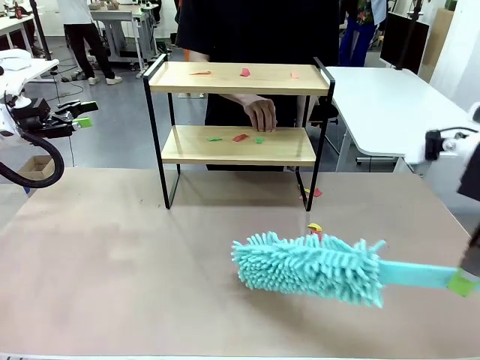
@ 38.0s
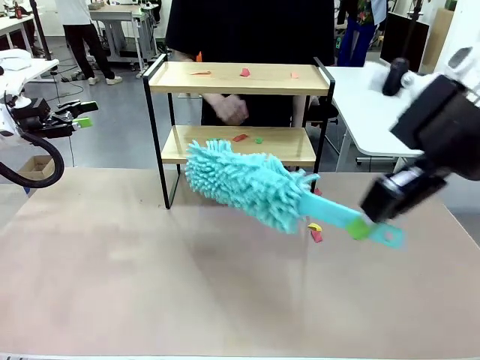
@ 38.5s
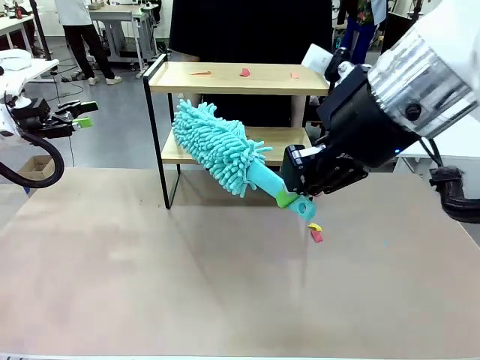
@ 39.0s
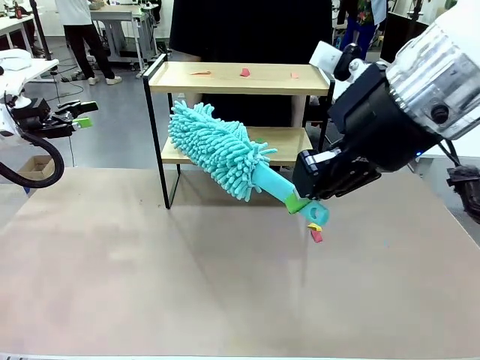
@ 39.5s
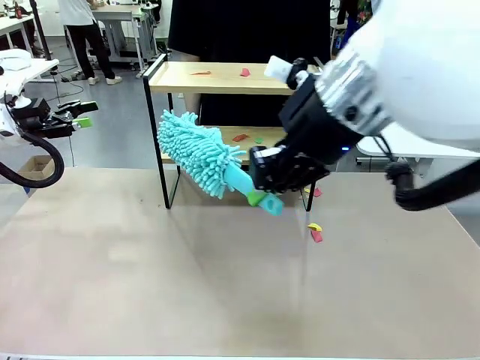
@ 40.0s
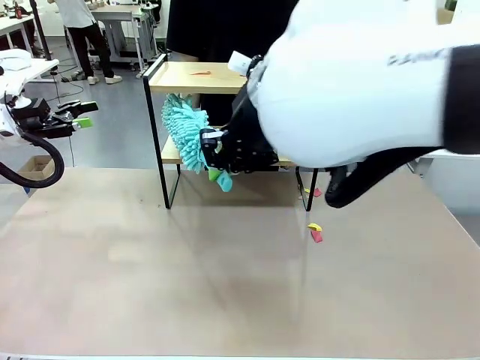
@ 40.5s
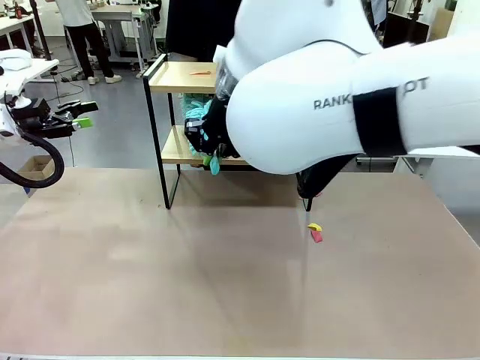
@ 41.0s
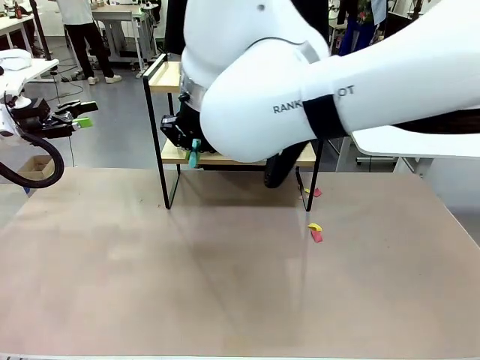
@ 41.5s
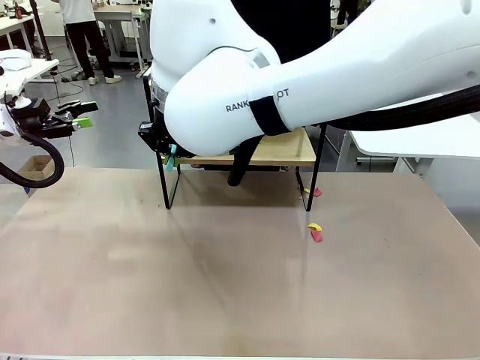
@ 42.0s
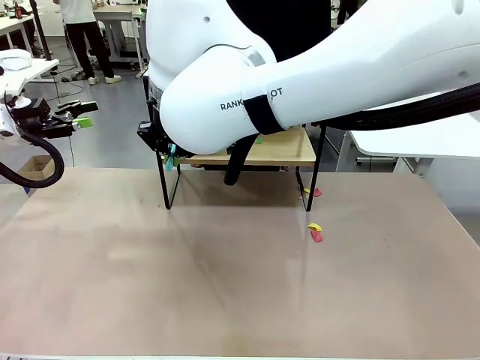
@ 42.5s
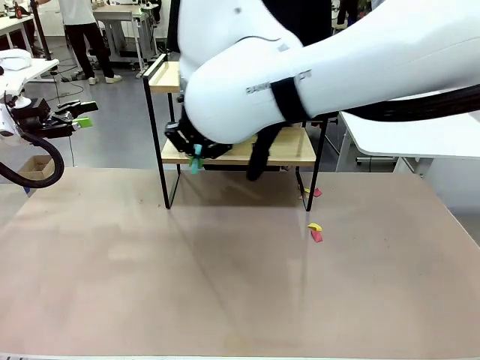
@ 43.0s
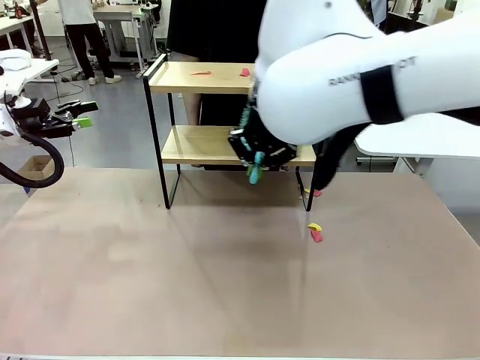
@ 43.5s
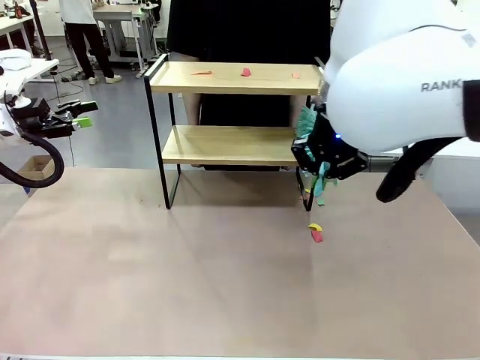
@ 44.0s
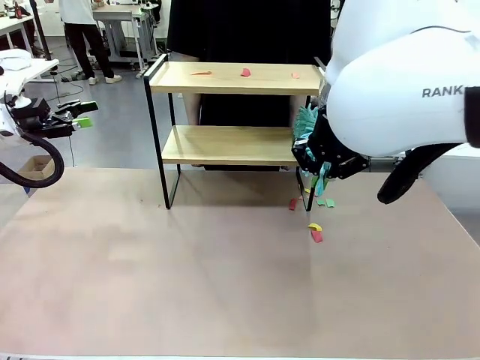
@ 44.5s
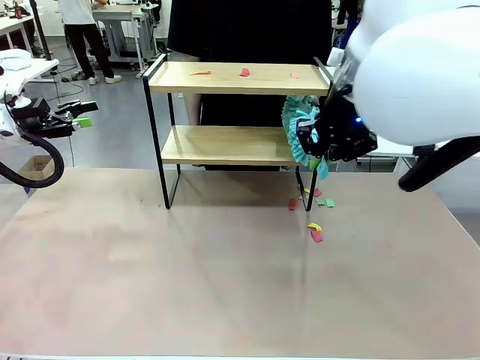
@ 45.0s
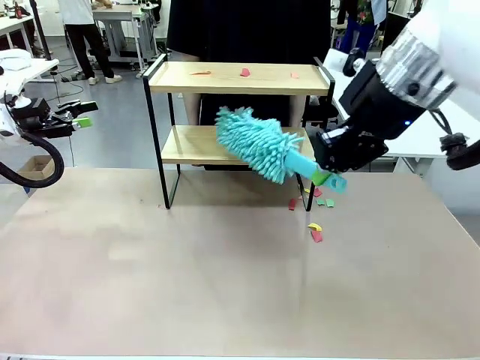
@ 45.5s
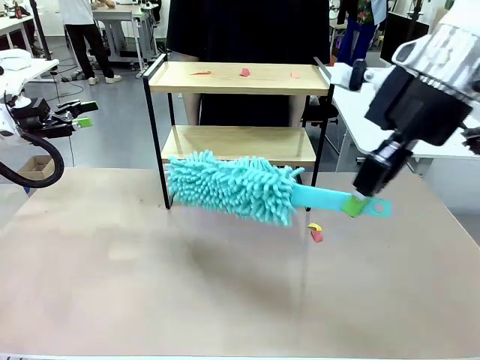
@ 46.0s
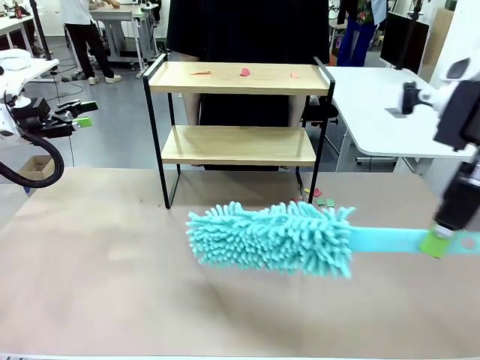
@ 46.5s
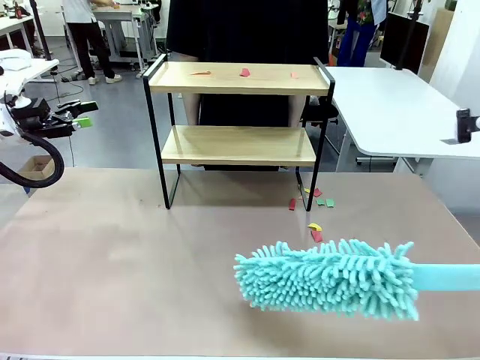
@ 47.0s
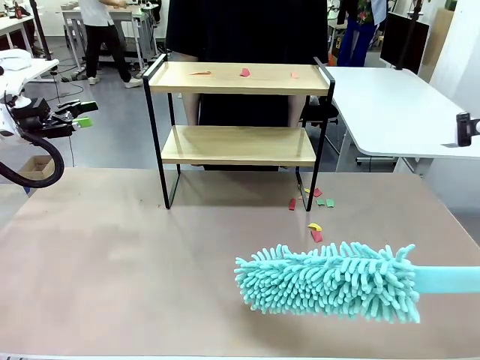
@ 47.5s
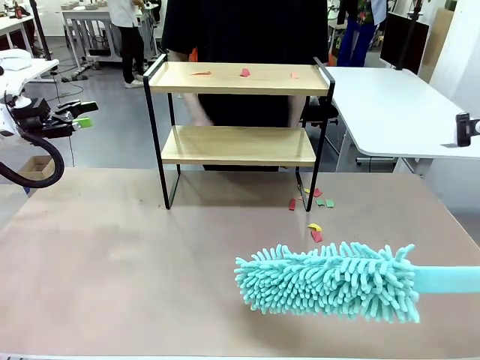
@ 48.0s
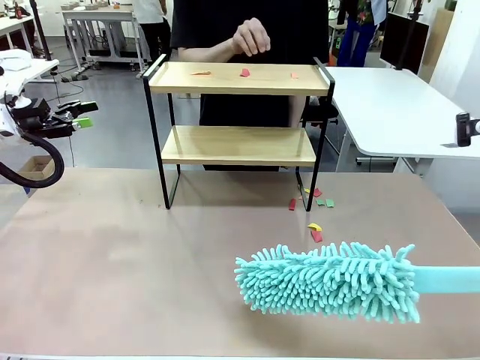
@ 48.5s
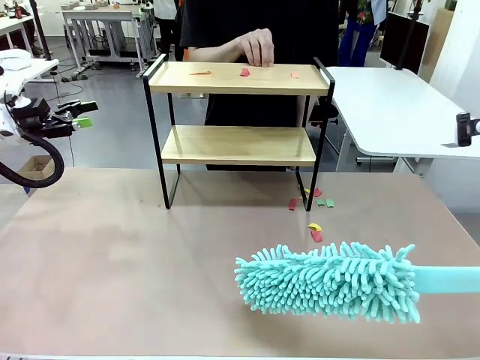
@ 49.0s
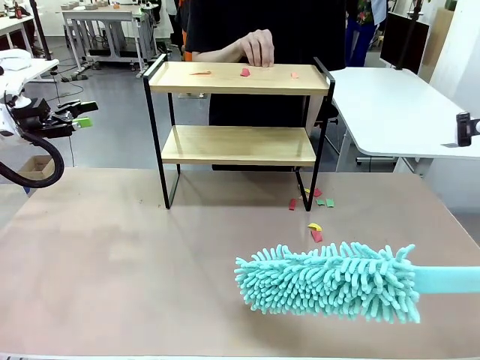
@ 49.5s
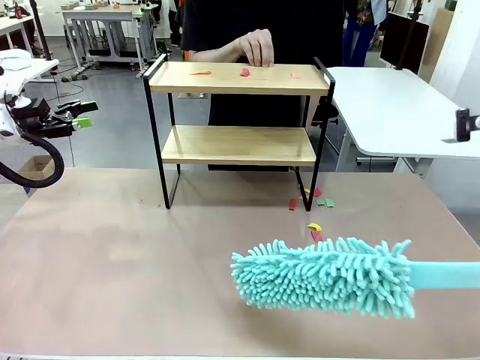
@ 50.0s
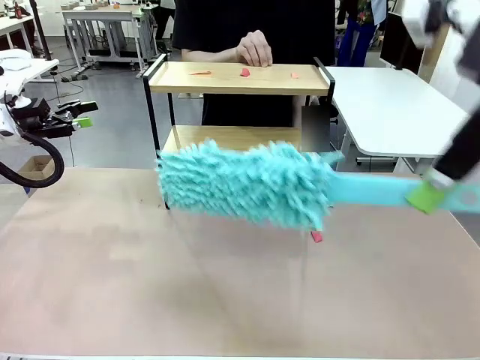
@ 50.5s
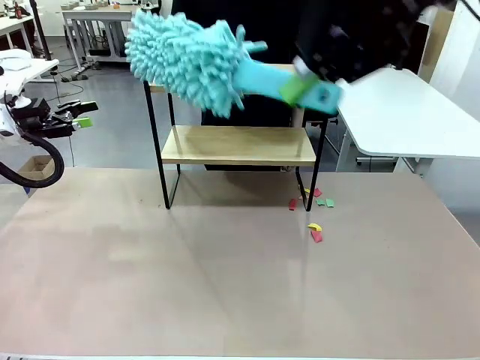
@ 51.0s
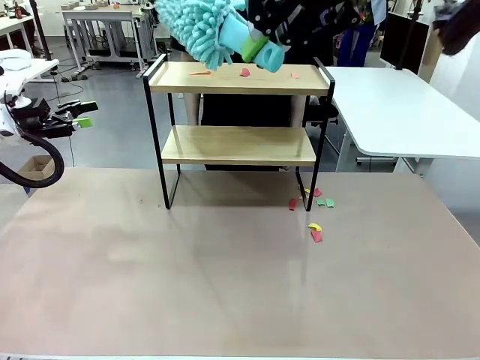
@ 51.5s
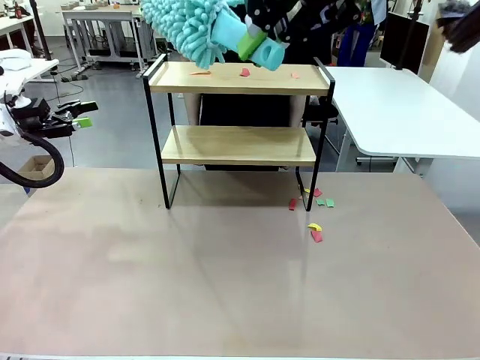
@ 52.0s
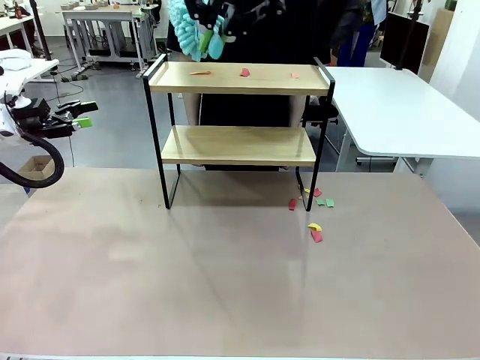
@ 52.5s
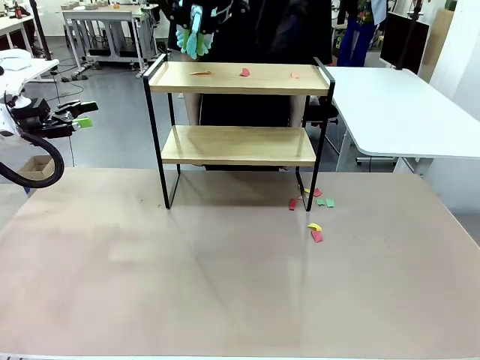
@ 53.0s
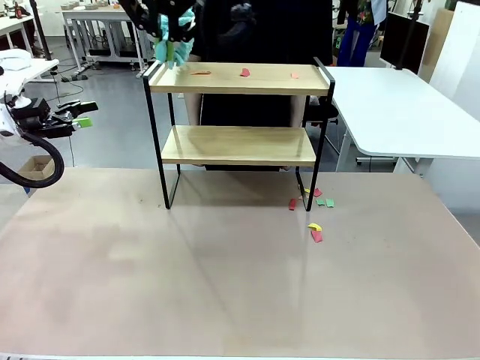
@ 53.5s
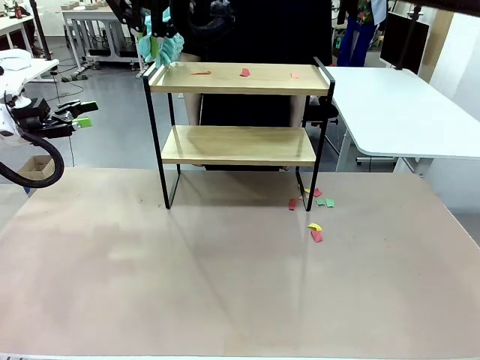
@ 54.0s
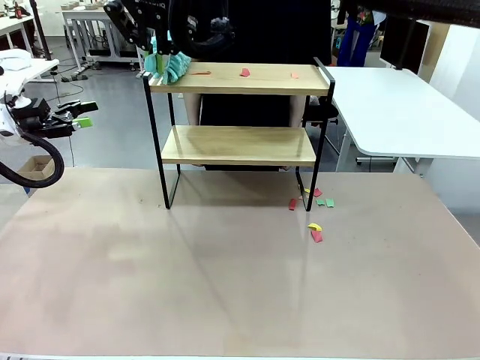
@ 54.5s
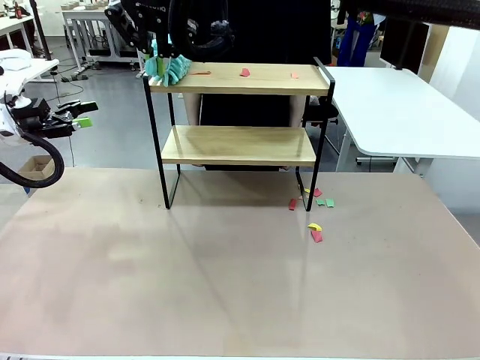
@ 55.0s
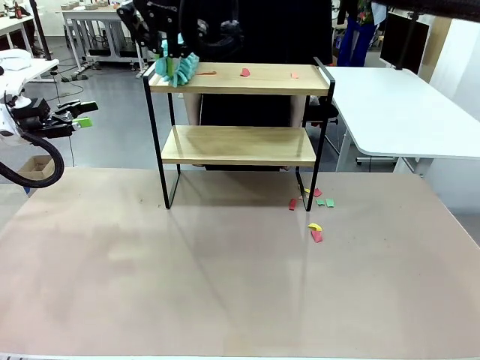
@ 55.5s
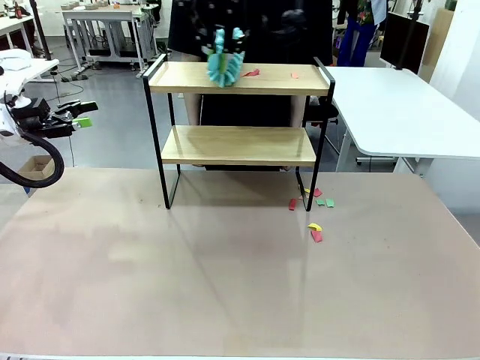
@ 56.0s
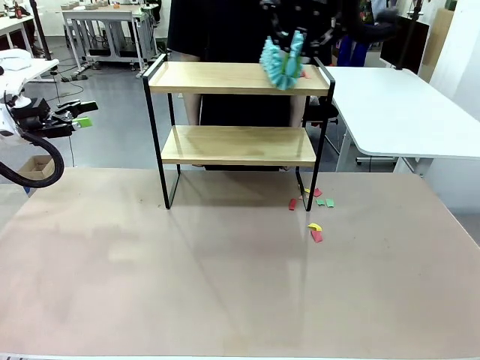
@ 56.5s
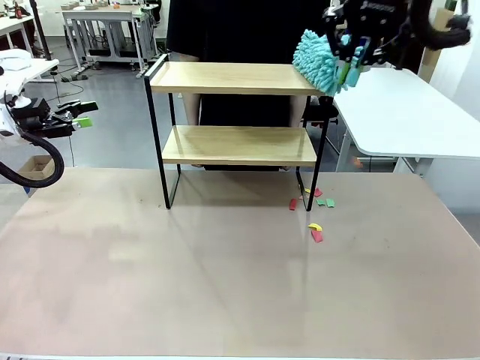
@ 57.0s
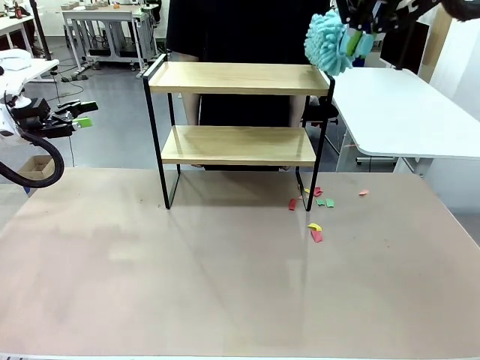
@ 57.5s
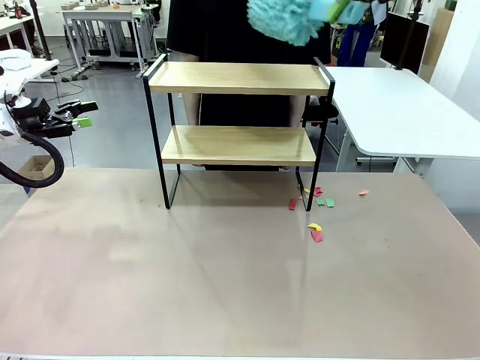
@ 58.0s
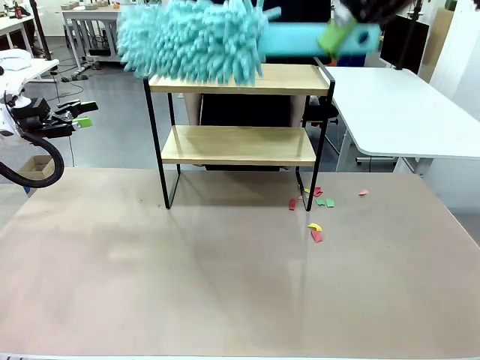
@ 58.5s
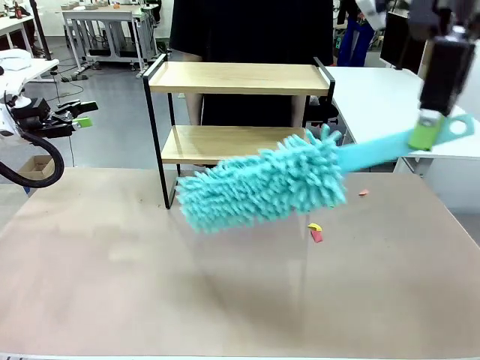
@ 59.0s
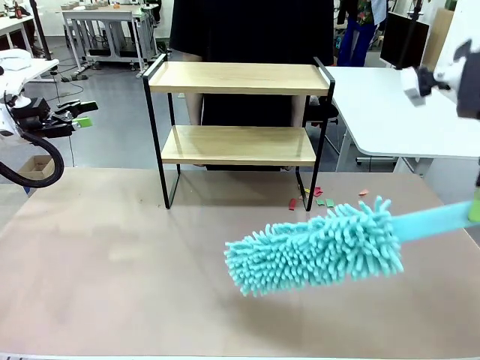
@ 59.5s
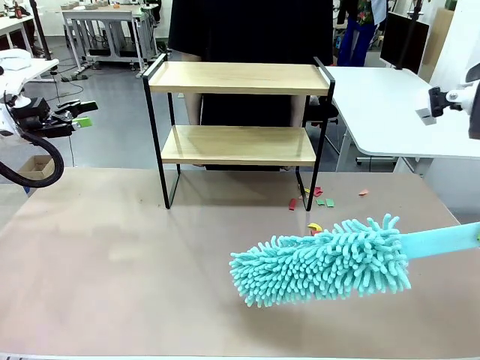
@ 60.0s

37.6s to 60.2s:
Task: Clean the shelf.
Robot: Clean the specific section of the Shelf indicated by the human with the Duster.
Person: Point a remaining section of the Shelf.

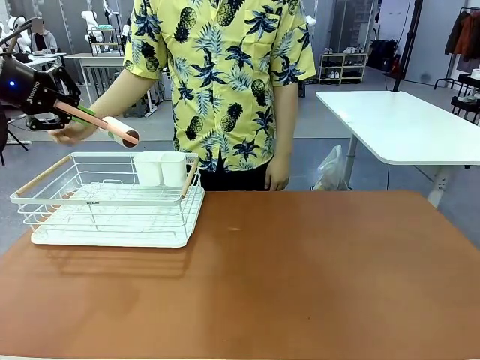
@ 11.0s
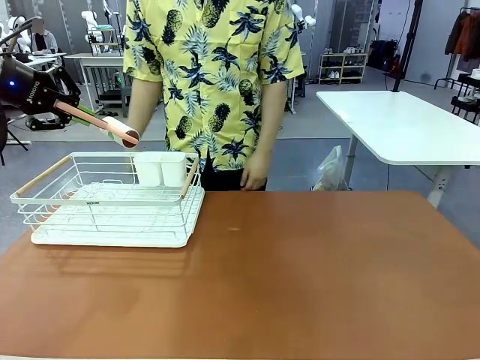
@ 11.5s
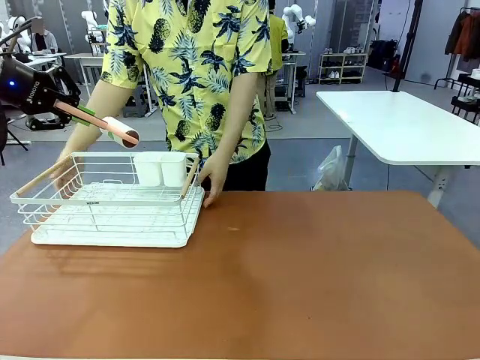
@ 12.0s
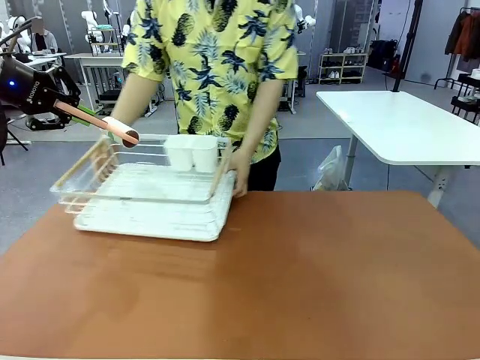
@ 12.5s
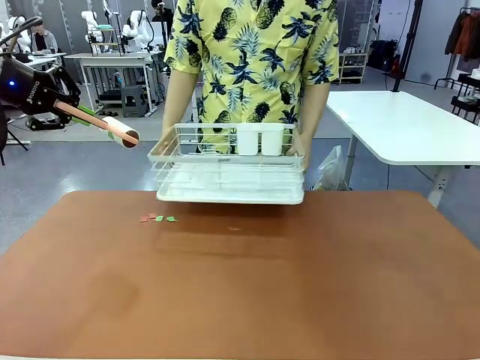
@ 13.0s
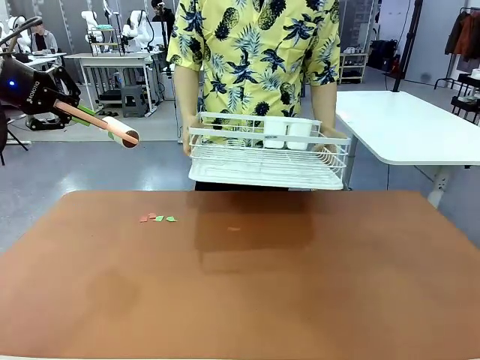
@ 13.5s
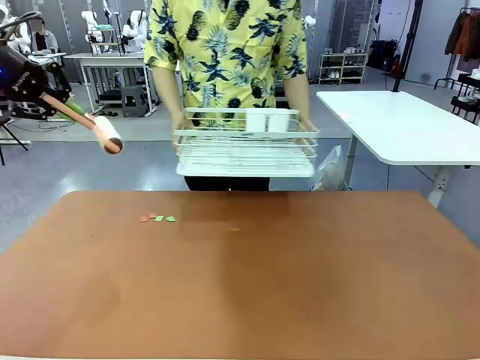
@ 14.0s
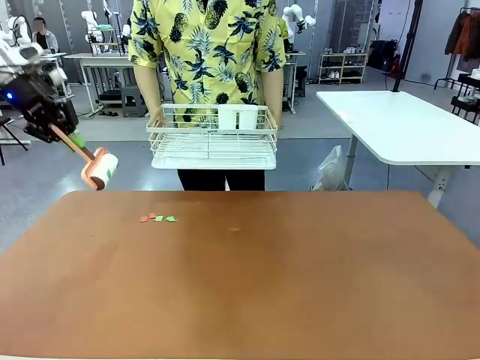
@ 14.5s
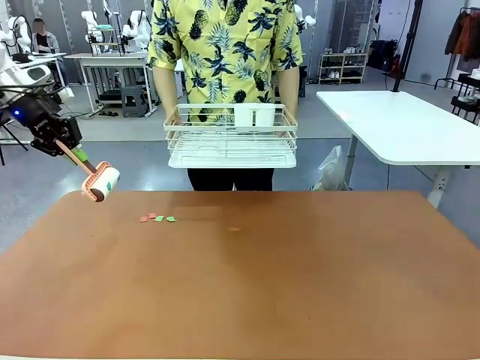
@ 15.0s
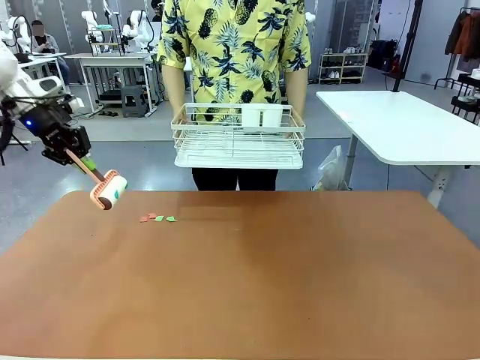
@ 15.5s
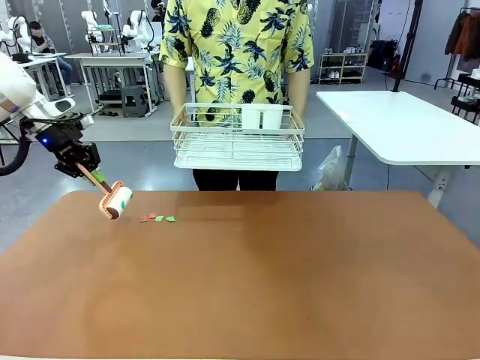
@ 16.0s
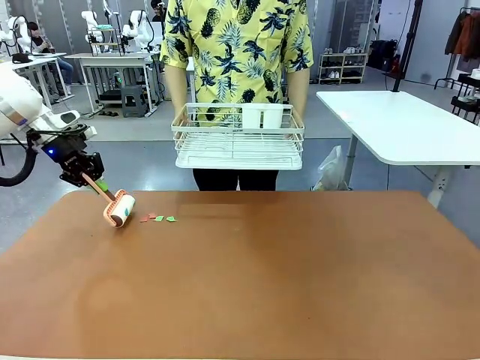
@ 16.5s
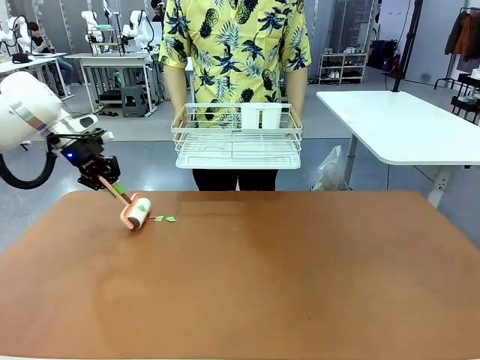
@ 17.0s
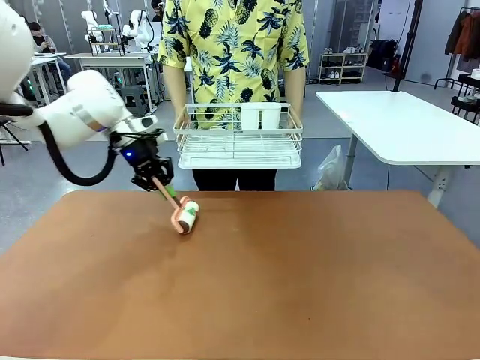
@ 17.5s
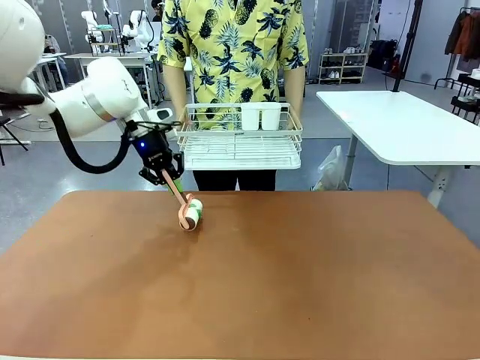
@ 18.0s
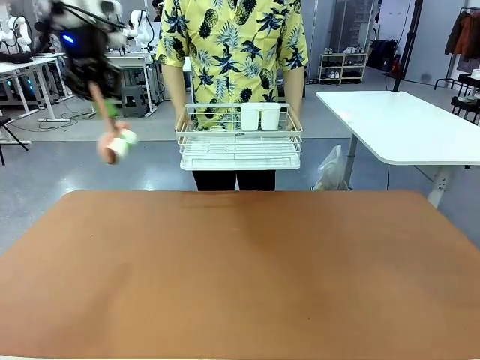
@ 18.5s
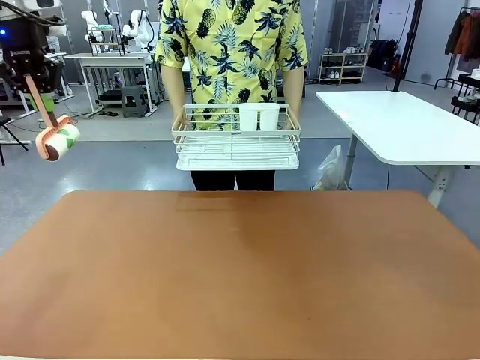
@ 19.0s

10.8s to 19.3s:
Task: Clean the table.
Robot: Clean the table with the Lint Roller when the human lifts the Dish drying rack.
